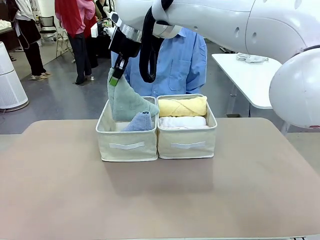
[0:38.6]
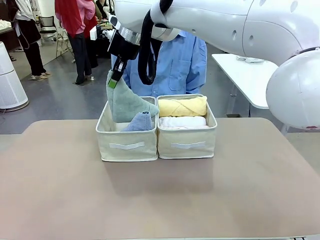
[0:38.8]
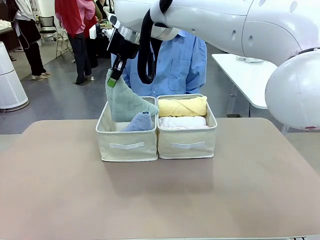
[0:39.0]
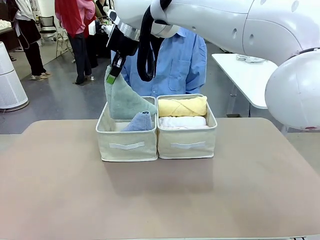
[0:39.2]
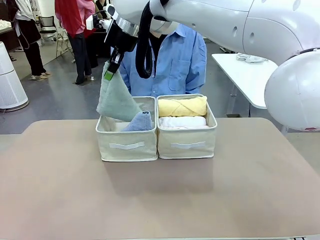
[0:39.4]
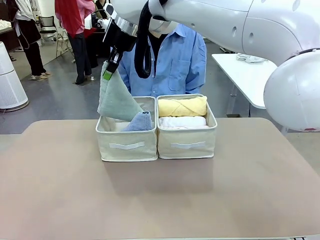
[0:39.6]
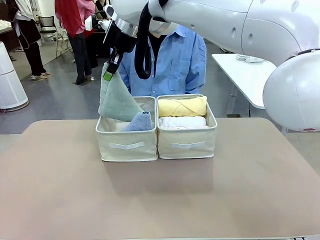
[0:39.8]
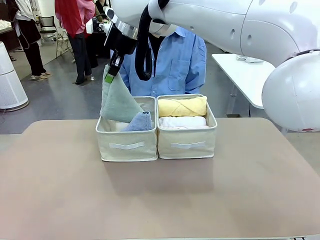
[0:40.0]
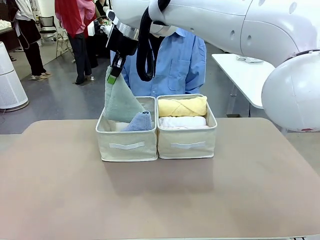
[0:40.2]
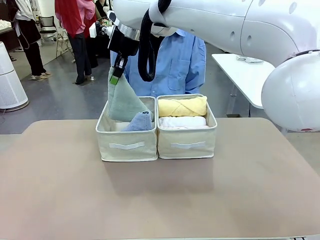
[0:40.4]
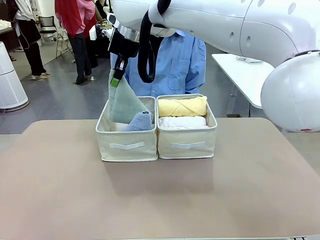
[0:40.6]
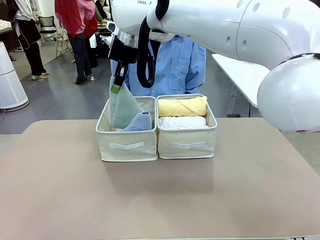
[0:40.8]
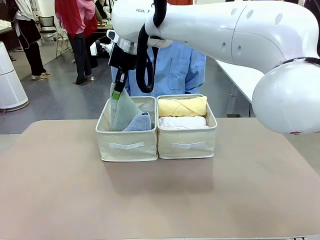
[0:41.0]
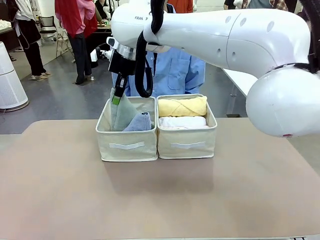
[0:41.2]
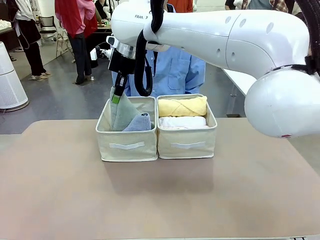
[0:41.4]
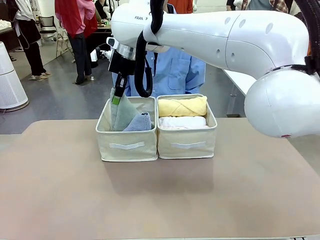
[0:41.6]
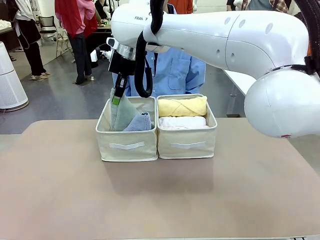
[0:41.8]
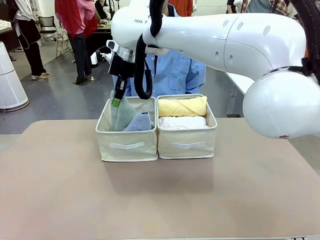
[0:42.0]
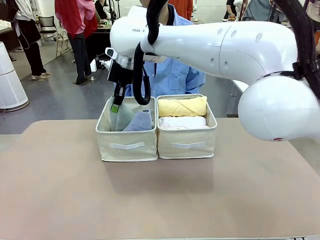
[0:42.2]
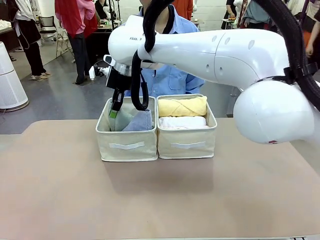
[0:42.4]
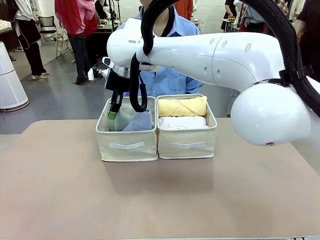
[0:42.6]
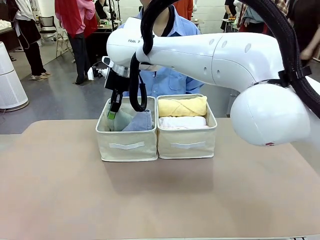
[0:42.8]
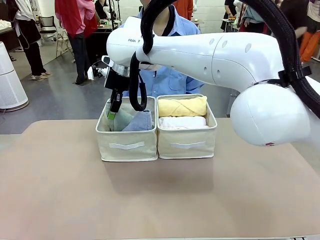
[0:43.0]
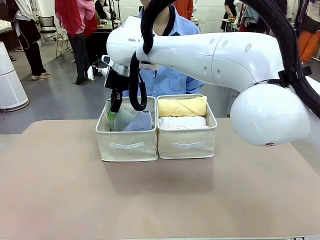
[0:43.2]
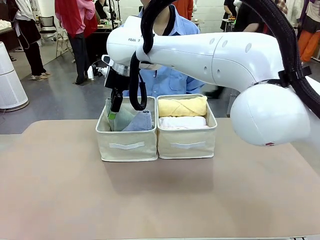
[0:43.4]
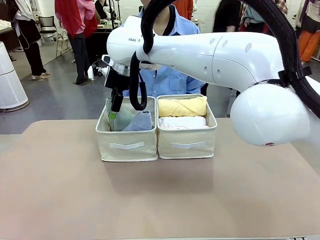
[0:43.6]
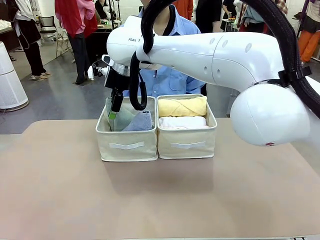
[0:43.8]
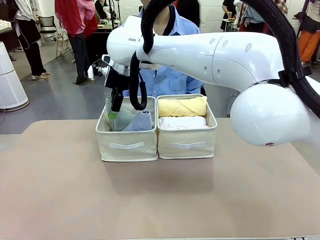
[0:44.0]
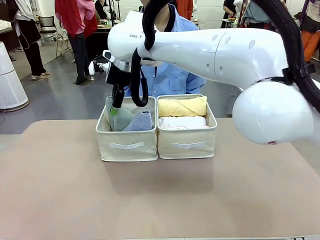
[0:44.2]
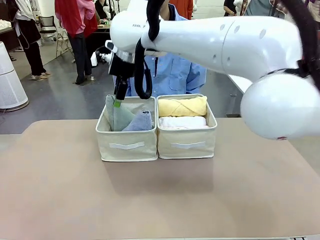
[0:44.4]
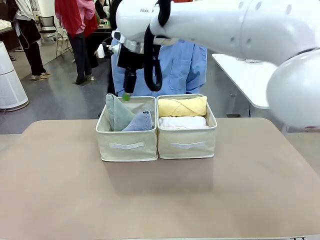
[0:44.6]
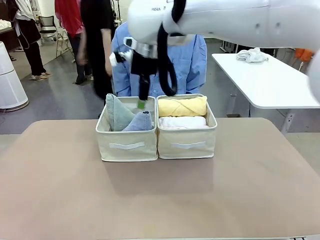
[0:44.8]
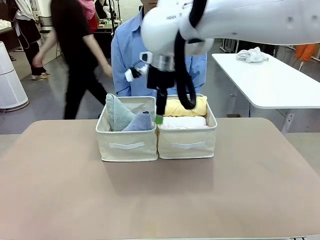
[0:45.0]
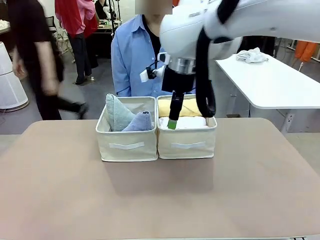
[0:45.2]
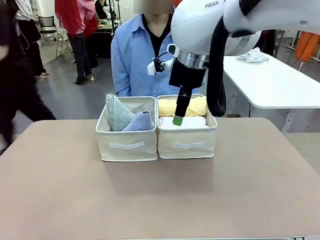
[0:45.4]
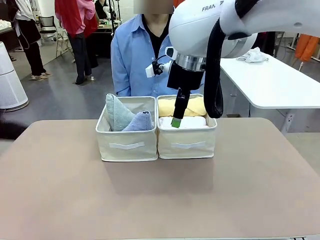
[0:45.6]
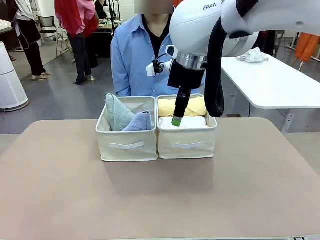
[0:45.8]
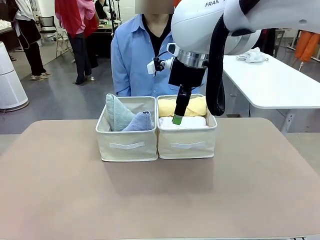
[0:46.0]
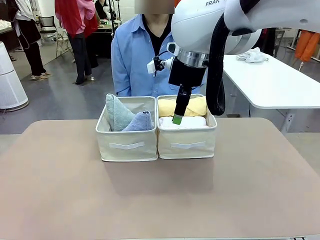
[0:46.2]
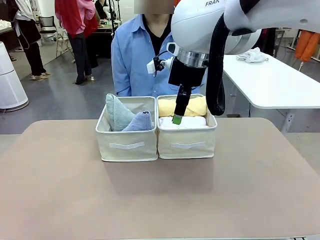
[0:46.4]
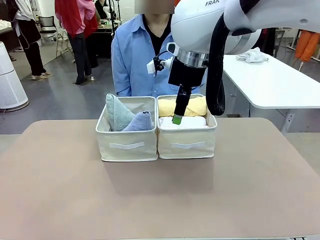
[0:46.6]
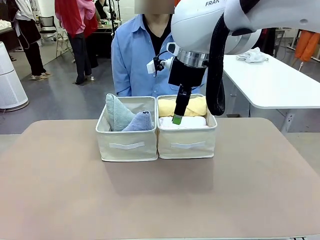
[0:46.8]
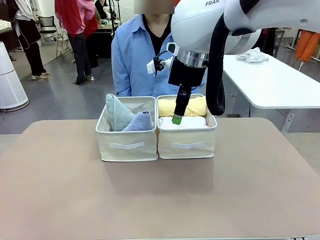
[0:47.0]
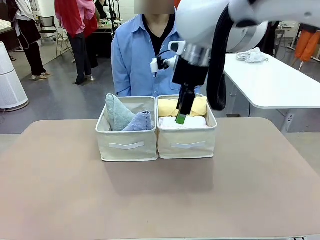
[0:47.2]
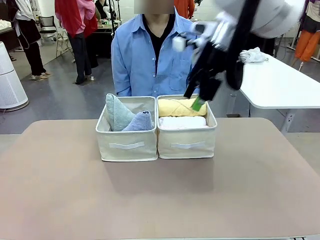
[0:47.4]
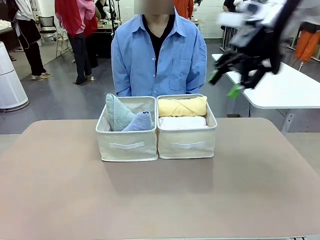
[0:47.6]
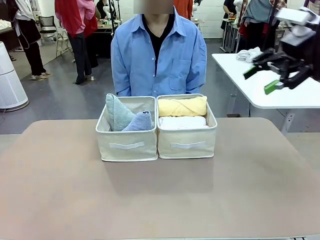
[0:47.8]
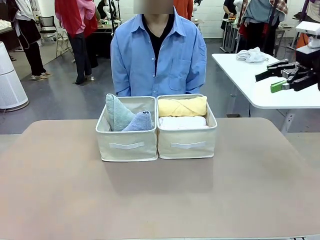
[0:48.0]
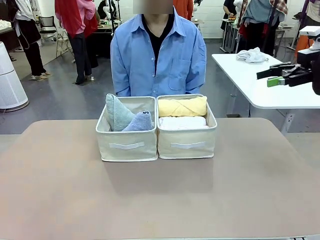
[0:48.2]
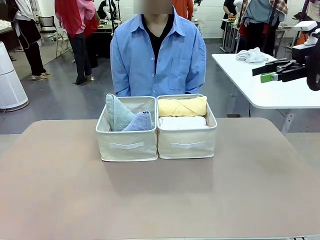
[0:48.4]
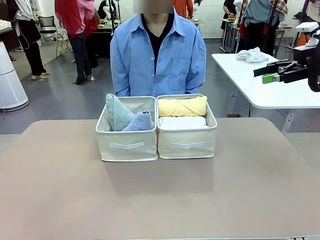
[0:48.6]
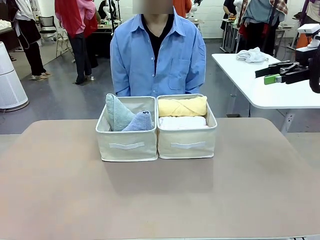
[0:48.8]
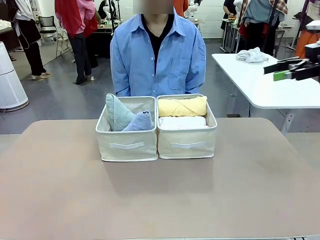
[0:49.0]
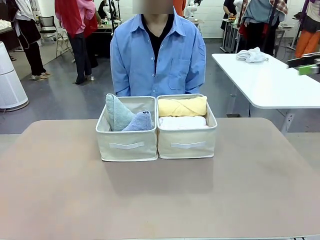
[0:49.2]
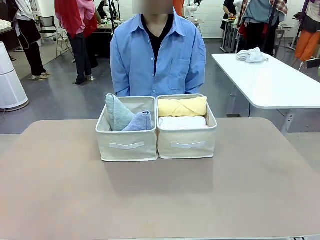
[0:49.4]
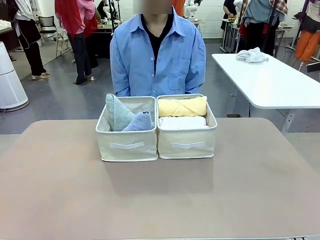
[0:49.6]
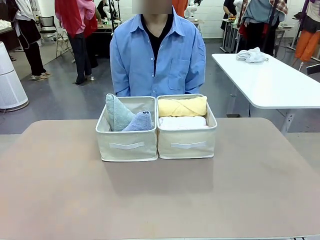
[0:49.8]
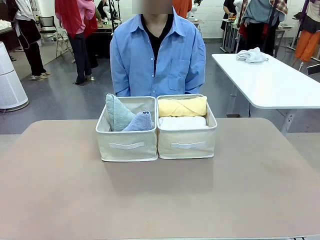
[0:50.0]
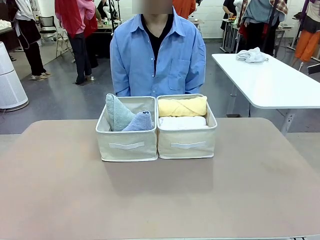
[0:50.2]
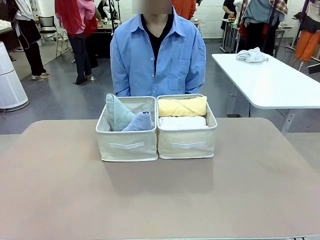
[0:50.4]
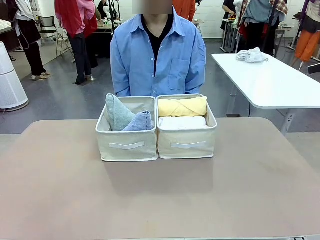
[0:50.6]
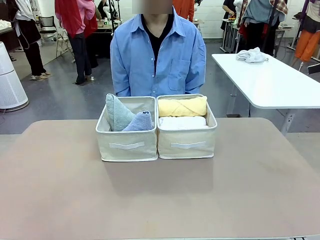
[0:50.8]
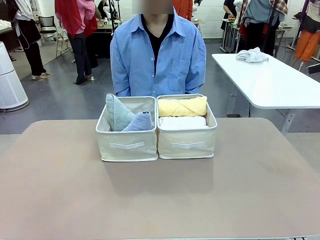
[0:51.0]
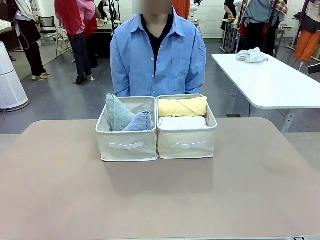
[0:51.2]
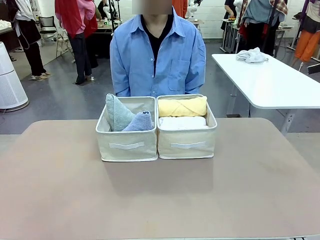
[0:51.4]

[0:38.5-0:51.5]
Task: Sort the towels based on their folding style.
Robot: Pick up another triangle-folded towel from the table and place it in the left Fabric basket.
